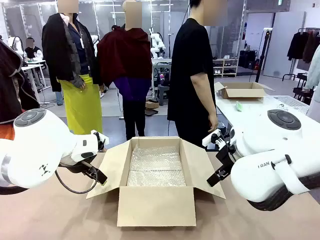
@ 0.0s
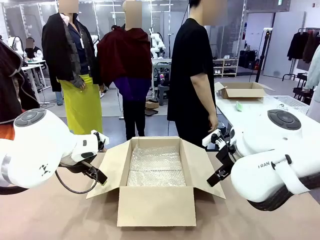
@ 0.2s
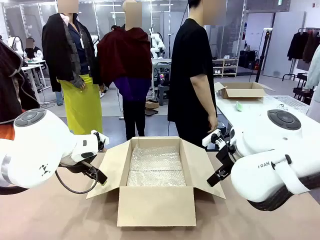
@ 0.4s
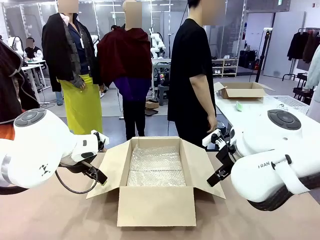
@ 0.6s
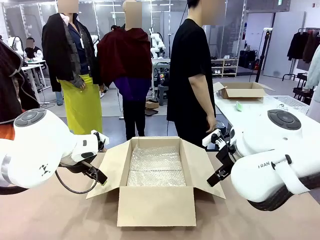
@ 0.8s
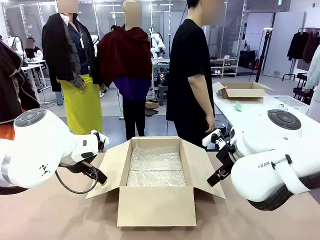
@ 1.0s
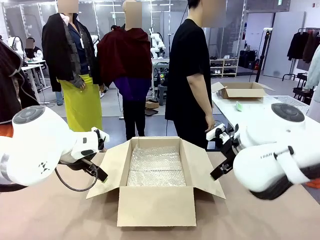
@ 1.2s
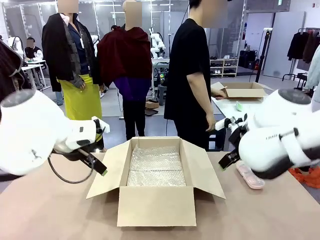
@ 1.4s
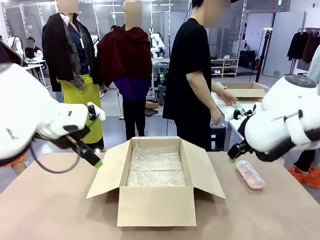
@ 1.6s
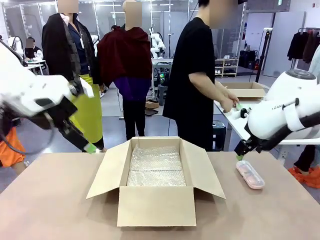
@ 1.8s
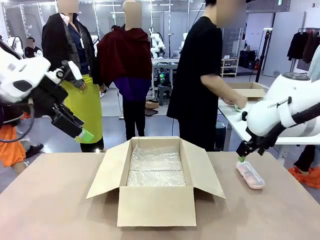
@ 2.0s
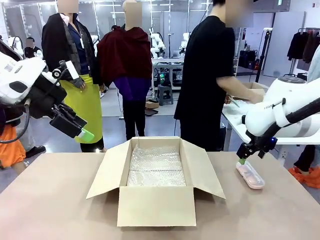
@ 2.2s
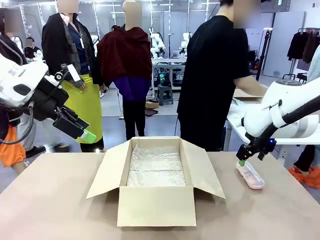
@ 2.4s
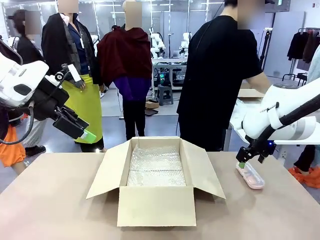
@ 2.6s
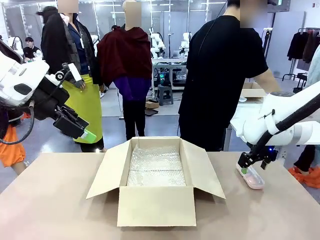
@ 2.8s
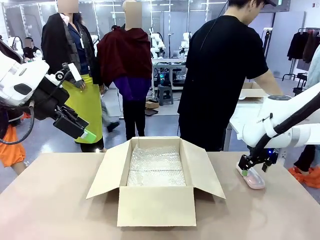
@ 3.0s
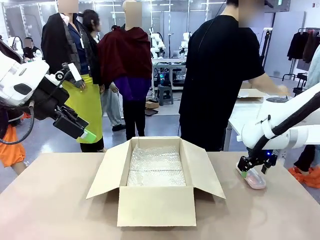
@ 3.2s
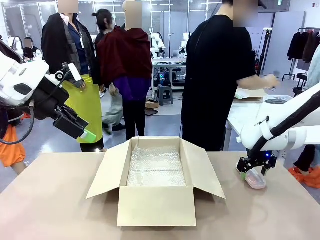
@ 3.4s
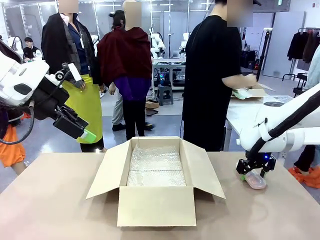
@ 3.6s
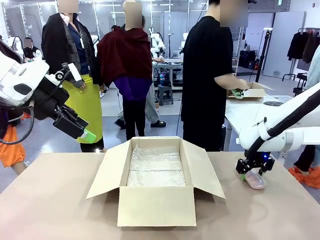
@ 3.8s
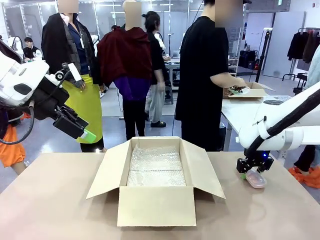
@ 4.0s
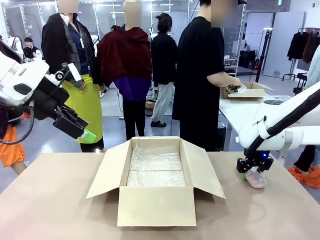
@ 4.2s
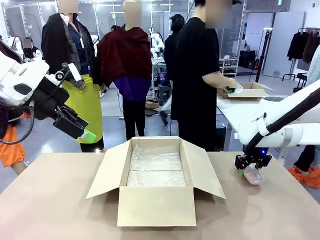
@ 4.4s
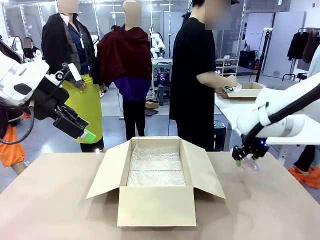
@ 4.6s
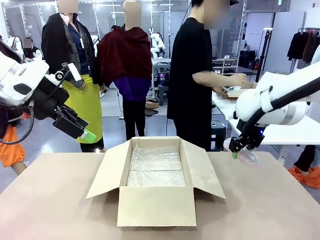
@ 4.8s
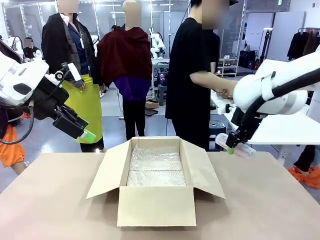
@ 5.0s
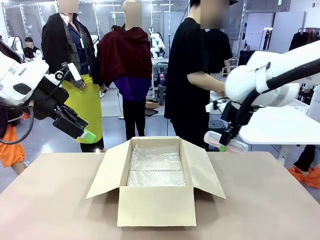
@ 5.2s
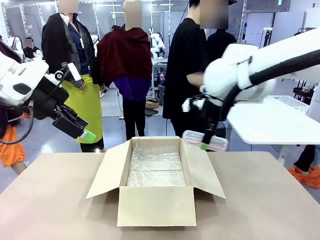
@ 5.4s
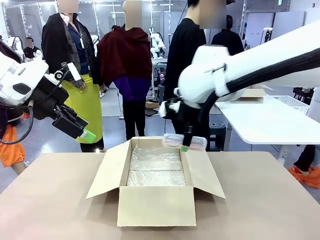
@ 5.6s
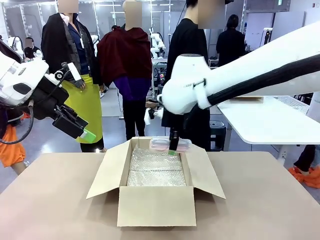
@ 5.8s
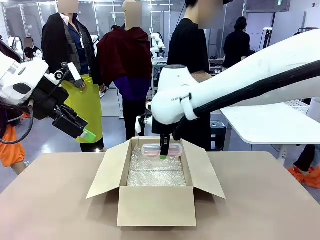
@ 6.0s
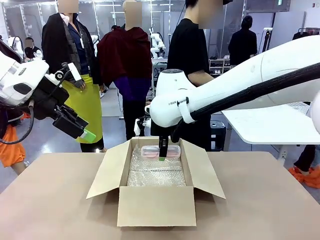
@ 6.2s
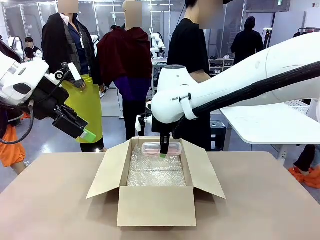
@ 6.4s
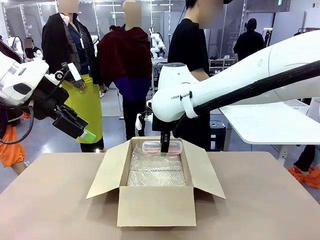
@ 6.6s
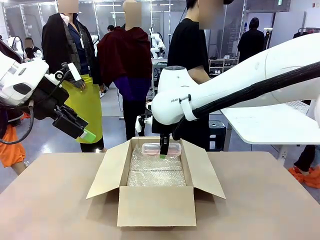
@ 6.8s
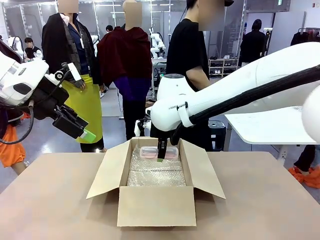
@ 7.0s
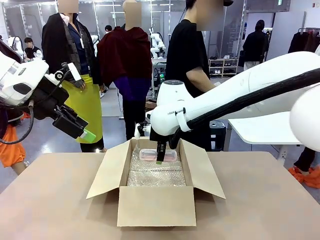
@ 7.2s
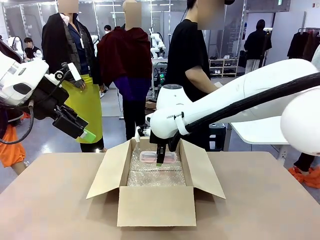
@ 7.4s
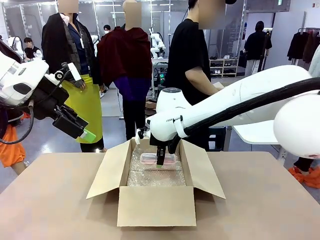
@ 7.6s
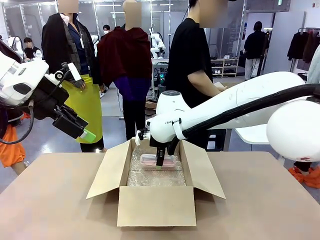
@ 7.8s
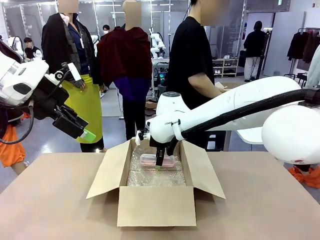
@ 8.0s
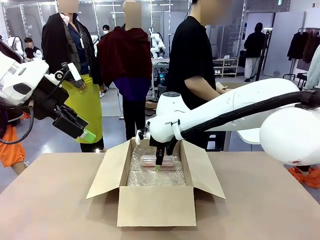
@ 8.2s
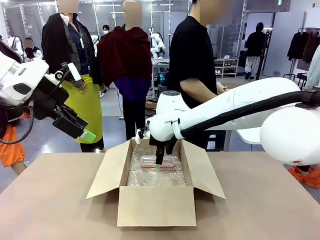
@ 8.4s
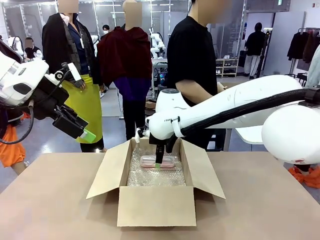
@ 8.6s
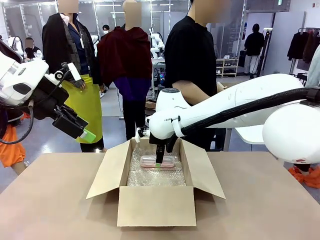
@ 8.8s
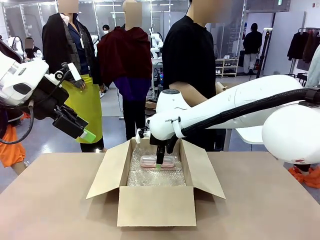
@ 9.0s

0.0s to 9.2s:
Task: Pack the glasses set securely to prepare it for shipping.
Robot: Place the Glasses case inside the Package Box.
Person: Place the Glasses inside the Glasses case.

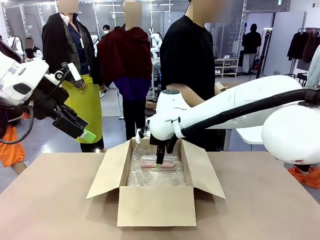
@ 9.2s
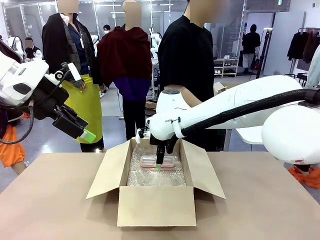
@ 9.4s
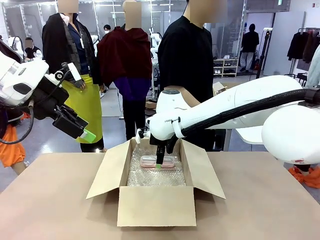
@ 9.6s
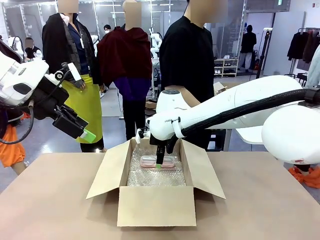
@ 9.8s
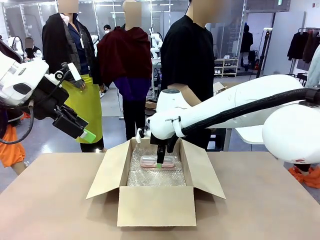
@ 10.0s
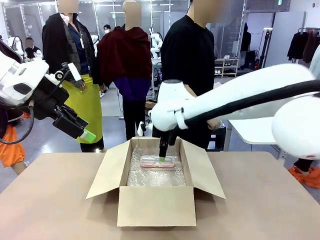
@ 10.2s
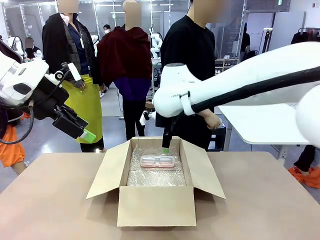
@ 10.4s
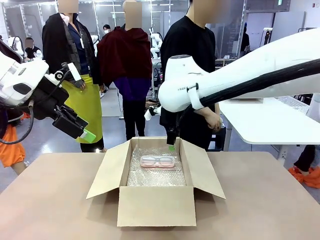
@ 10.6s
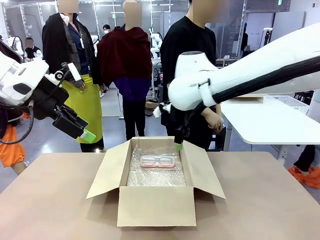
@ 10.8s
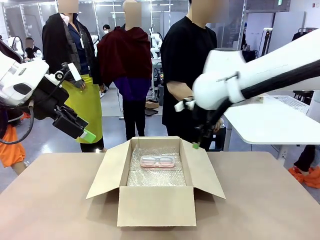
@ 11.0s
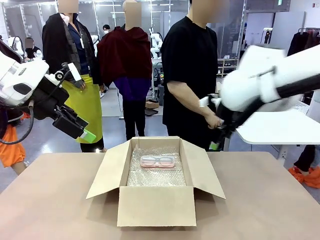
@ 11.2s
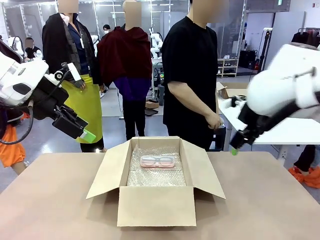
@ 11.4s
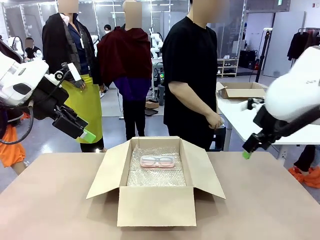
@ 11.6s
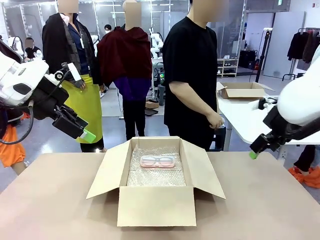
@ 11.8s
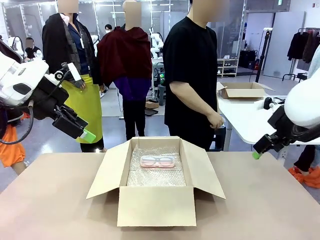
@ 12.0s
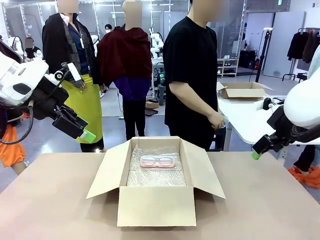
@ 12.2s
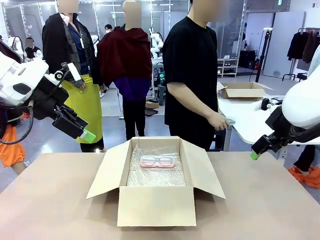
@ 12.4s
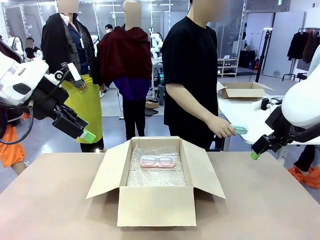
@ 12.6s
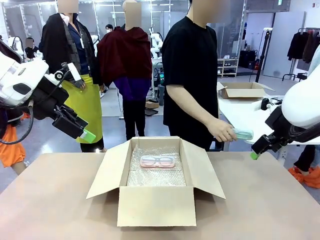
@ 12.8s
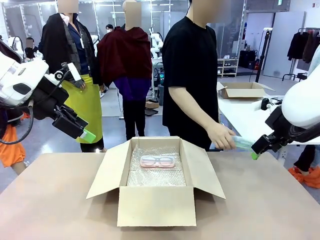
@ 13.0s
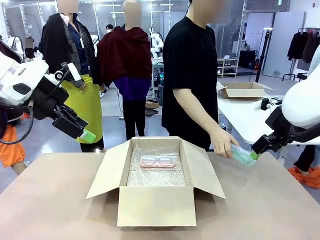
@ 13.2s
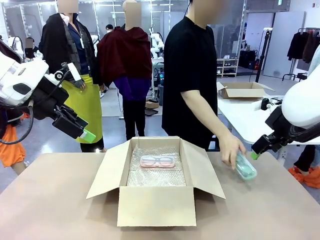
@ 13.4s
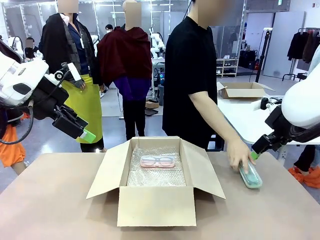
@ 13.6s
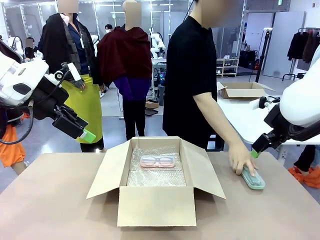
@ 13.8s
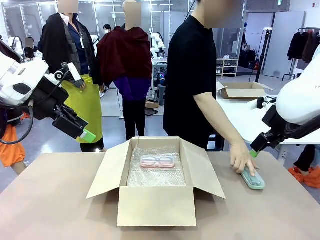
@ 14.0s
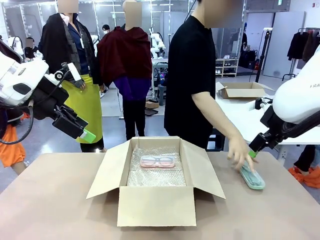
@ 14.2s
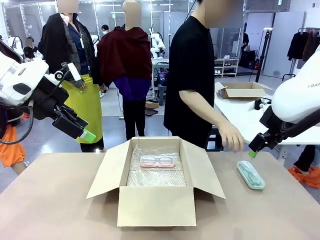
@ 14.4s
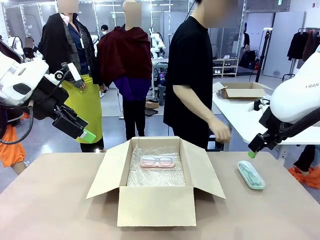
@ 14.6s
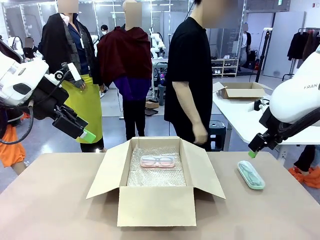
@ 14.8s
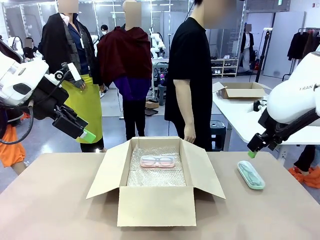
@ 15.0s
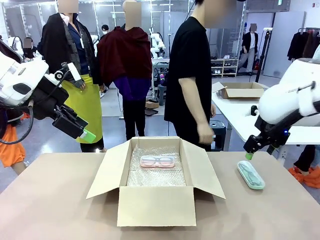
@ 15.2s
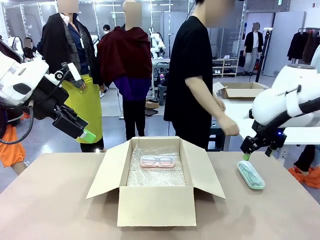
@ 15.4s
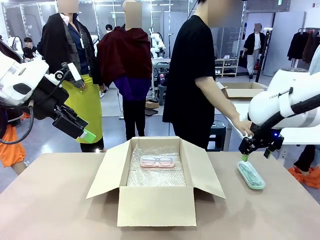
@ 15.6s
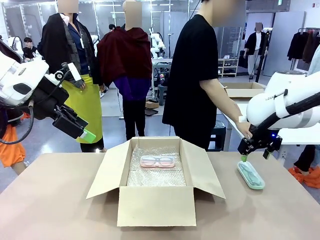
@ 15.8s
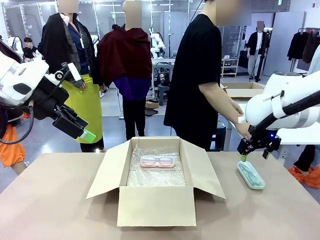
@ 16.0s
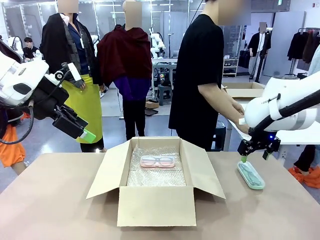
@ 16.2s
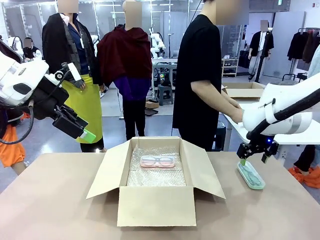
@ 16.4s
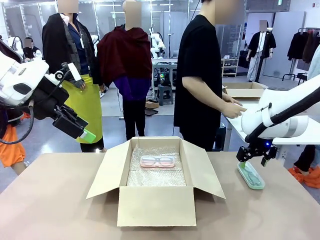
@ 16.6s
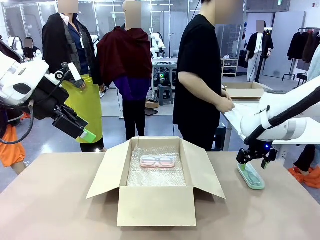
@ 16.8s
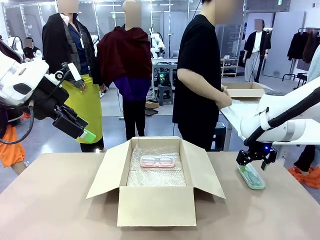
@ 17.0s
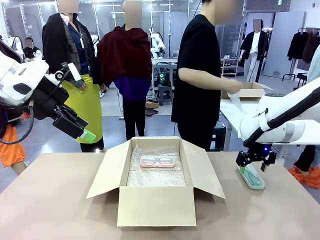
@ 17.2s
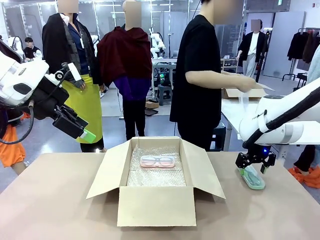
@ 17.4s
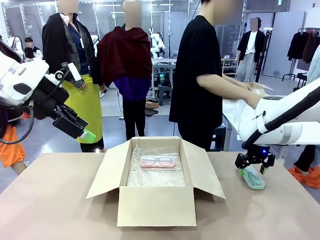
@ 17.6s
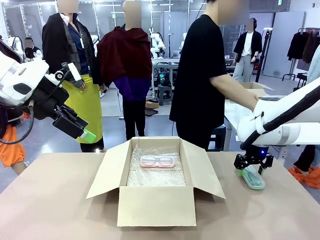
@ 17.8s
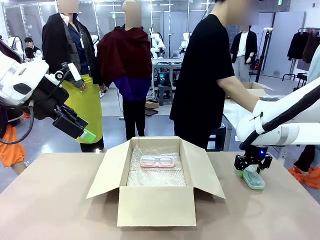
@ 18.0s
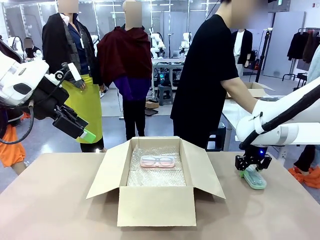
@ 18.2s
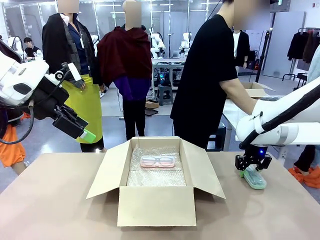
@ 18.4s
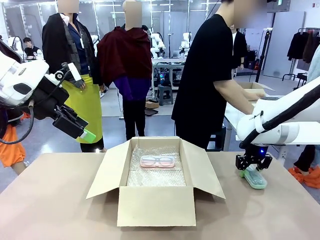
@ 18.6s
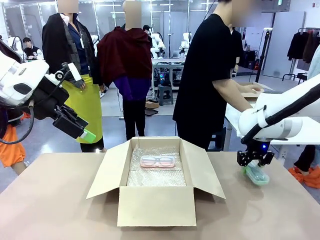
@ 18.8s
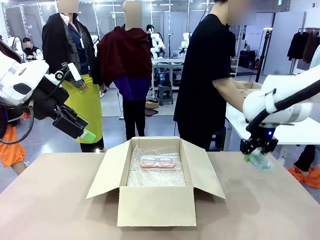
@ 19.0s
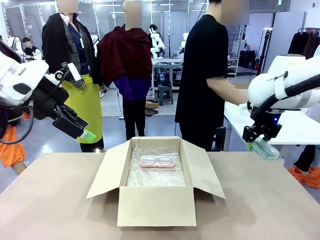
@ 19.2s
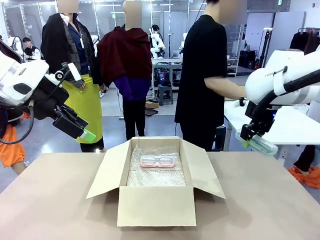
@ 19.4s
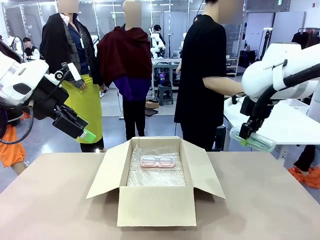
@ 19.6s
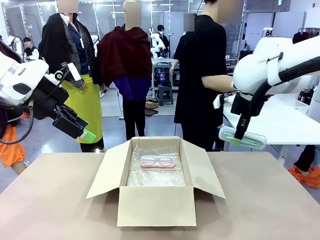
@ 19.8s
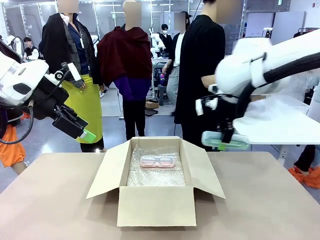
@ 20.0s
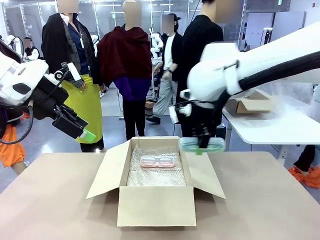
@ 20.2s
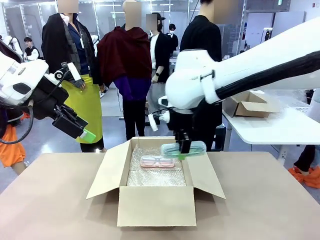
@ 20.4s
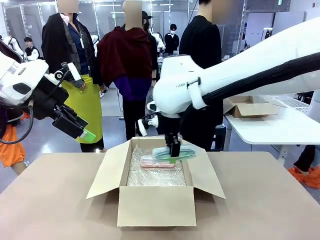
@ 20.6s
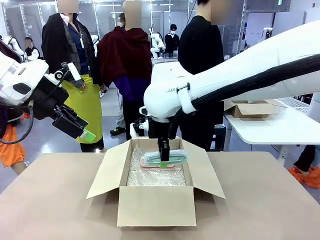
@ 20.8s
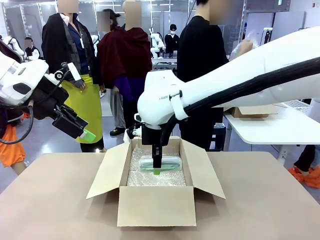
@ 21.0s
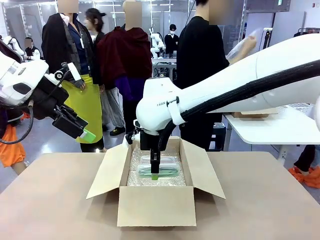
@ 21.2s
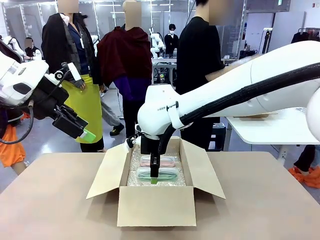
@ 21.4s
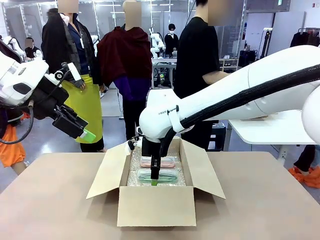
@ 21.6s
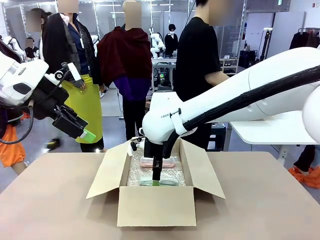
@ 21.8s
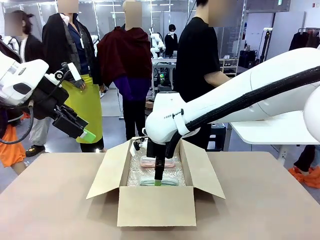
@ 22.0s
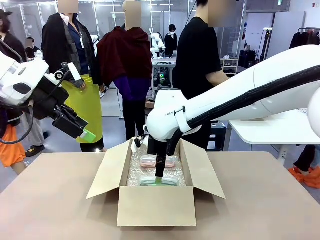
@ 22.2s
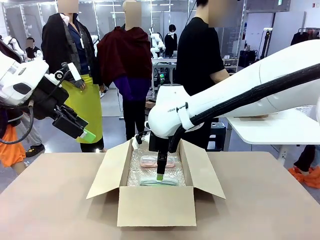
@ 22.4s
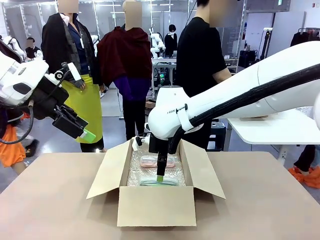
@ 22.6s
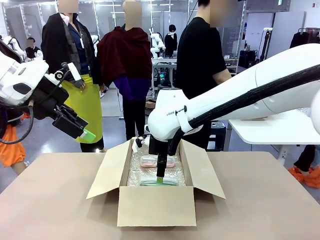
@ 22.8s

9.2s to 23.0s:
Robot: Put the Glasses case from the right side of the table into the Package Box.
Person: Position the Glasses case on the left side of the robot's table.
